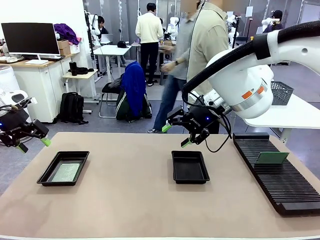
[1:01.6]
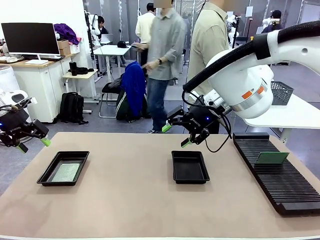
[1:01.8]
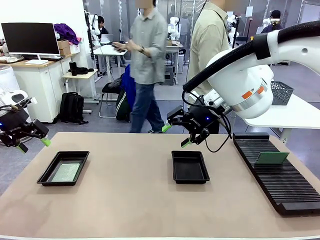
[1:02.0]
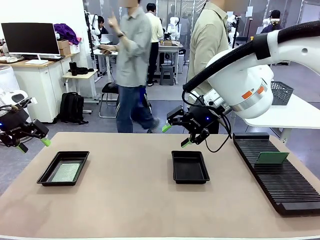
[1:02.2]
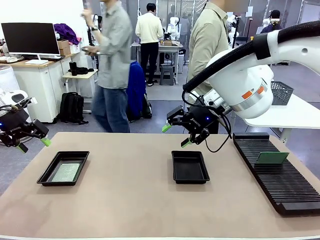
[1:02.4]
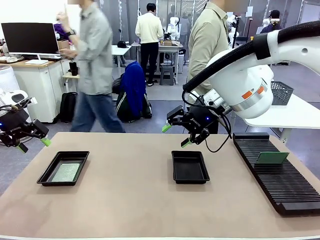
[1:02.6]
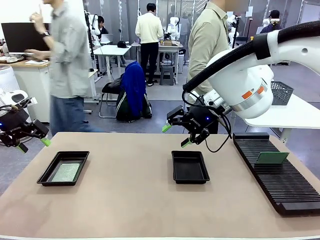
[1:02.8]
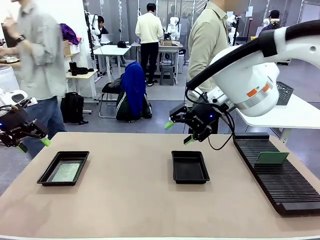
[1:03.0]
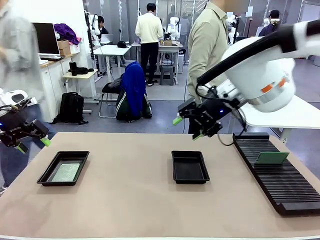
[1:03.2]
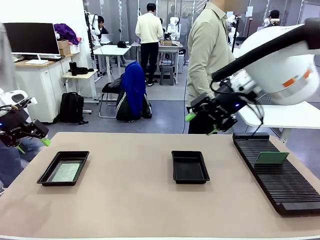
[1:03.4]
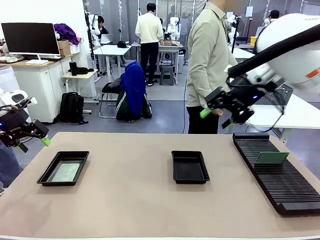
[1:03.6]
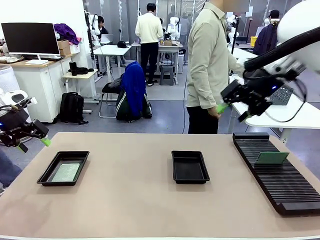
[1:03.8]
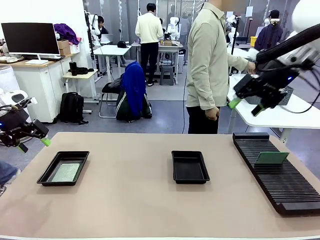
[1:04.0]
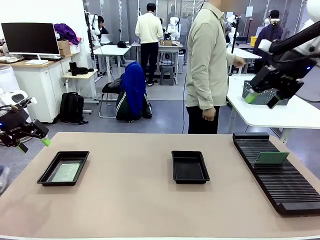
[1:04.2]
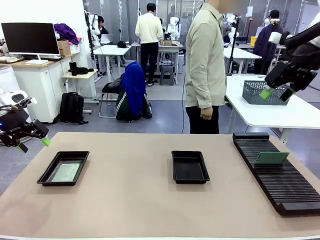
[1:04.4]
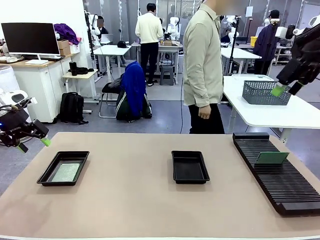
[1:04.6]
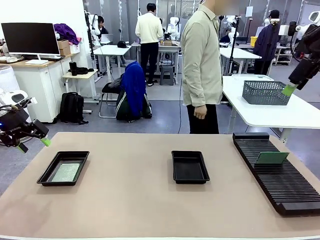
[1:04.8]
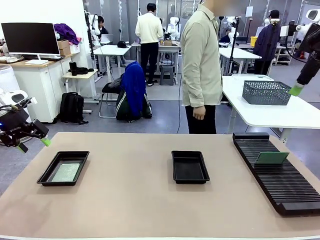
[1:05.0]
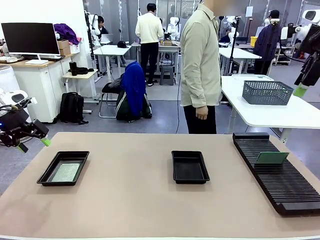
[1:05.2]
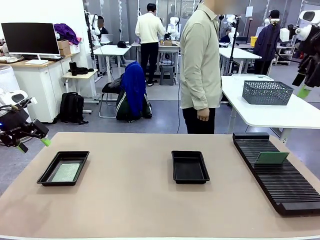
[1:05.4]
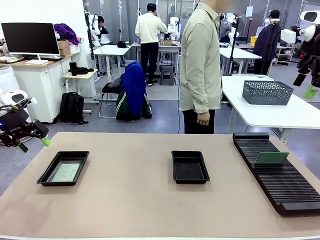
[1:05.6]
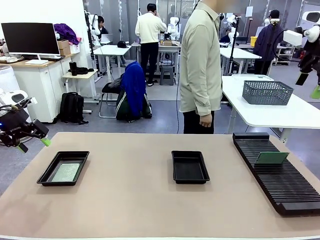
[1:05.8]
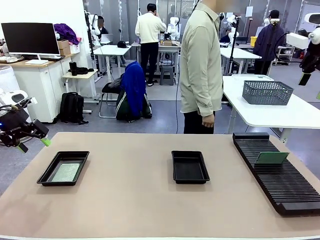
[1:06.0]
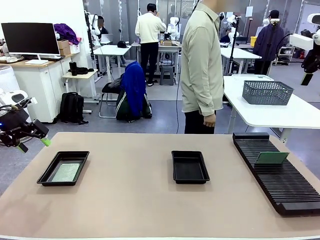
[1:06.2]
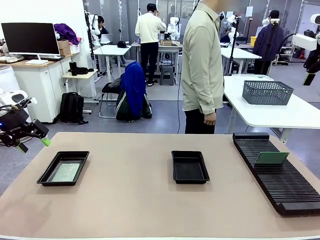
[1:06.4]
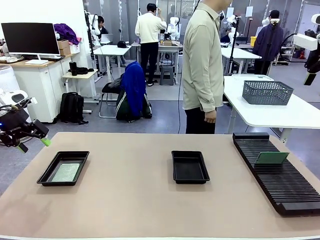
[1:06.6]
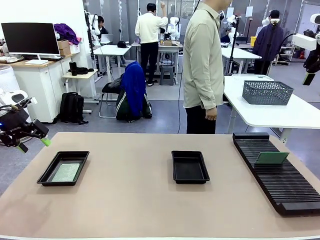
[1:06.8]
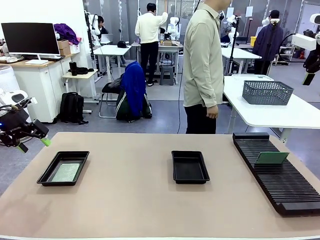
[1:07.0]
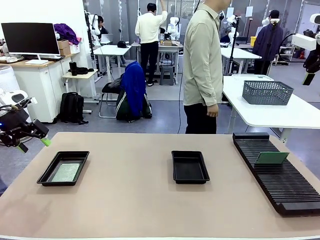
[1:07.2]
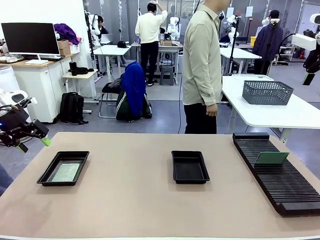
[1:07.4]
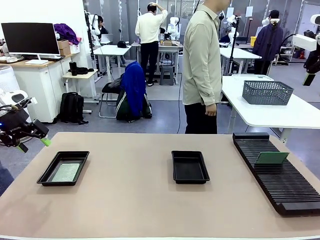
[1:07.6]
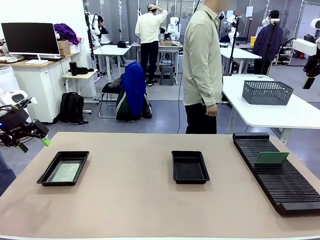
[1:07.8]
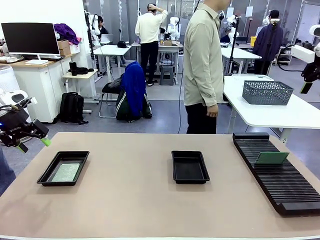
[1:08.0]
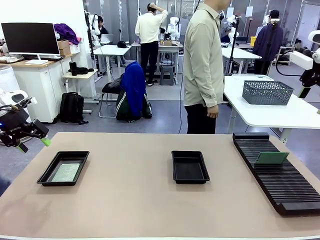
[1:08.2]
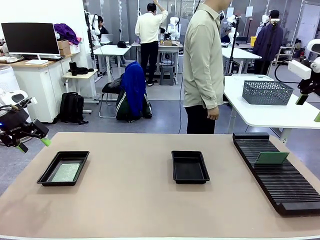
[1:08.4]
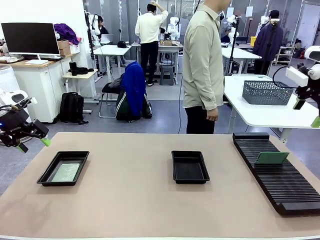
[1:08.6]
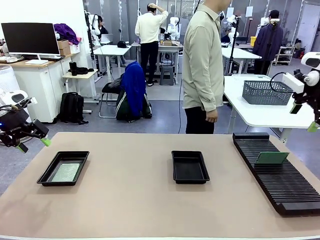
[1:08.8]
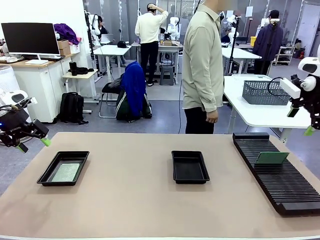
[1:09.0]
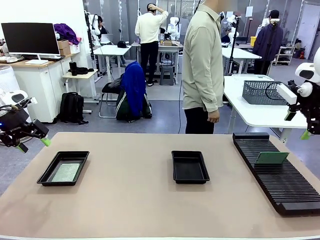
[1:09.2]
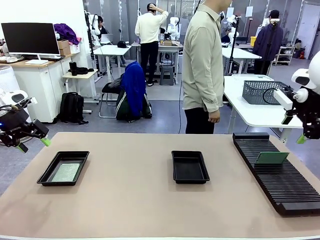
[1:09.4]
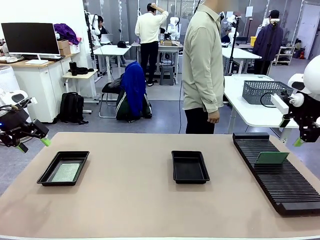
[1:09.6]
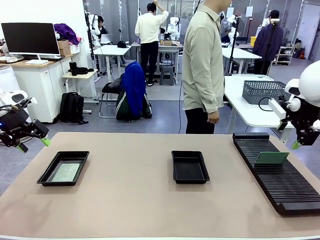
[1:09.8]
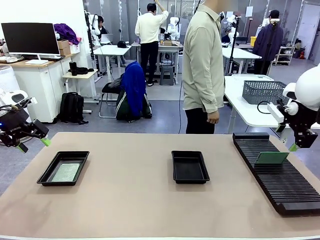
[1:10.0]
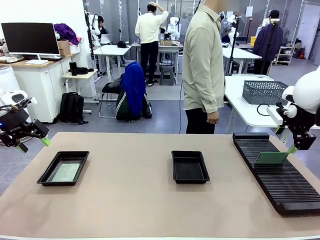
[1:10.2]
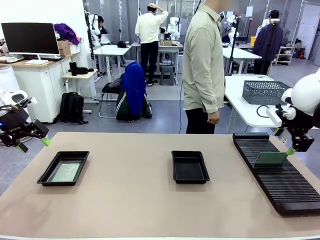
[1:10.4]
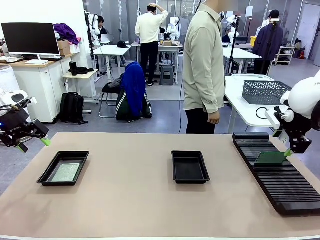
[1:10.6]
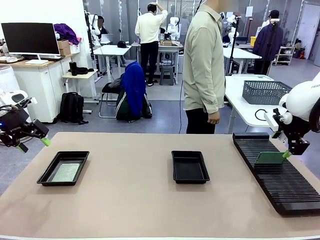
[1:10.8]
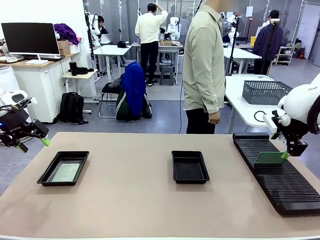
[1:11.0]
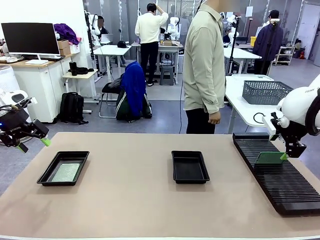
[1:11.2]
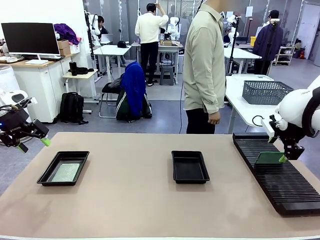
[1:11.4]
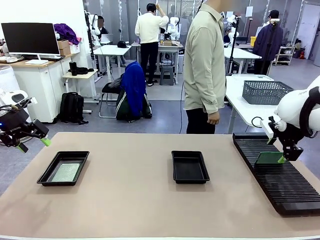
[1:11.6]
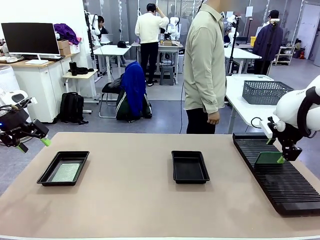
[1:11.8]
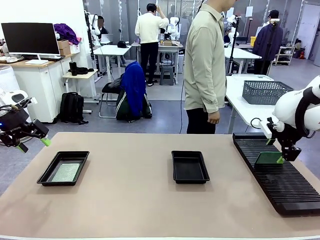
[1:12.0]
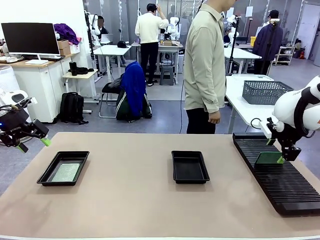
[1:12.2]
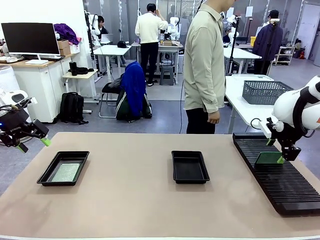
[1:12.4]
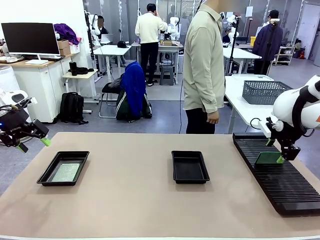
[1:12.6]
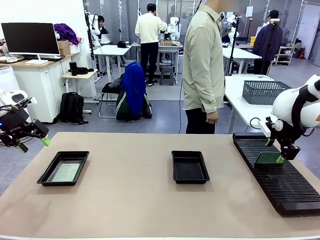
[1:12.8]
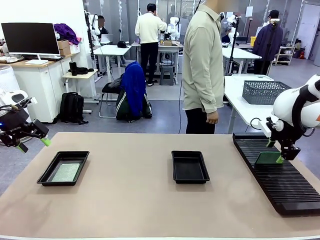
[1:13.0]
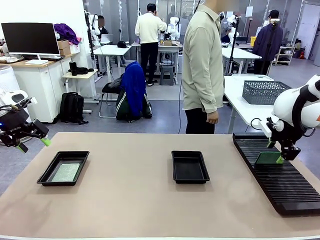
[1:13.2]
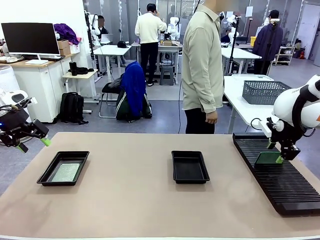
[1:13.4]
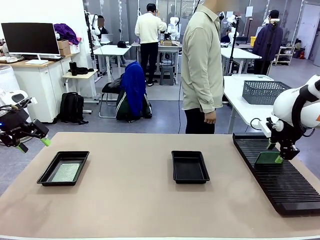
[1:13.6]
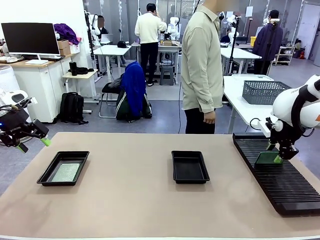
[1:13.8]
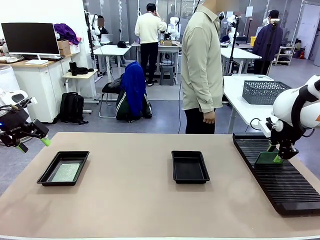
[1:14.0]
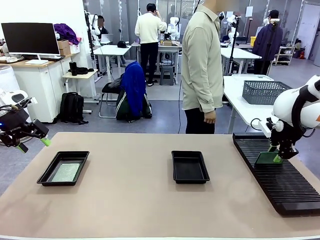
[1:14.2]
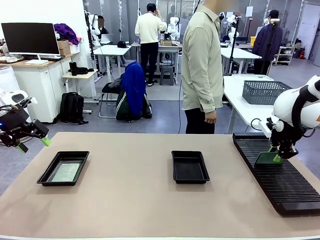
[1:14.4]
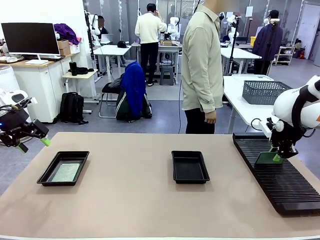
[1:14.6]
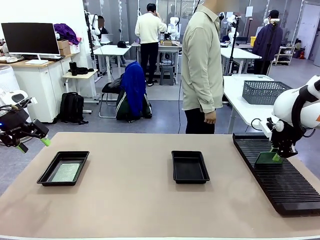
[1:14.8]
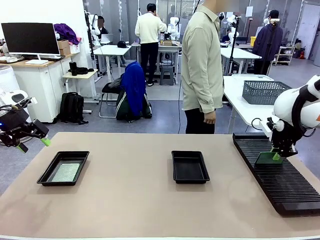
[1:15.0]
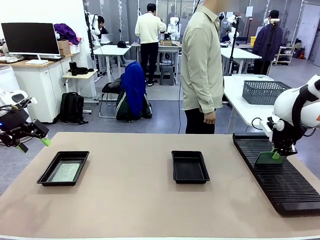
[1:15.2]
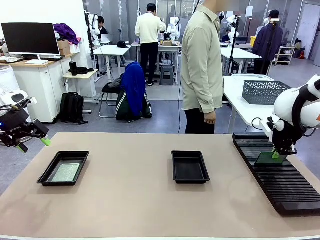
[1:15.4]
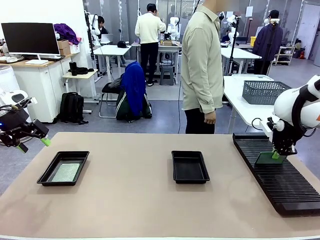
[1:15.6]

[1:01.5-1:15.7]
Task: Inspect and transfer BCBs to ESD trays.
Robot: Pick up the Blank PCB from the PCB Rack and place it in the right ESD tray.
